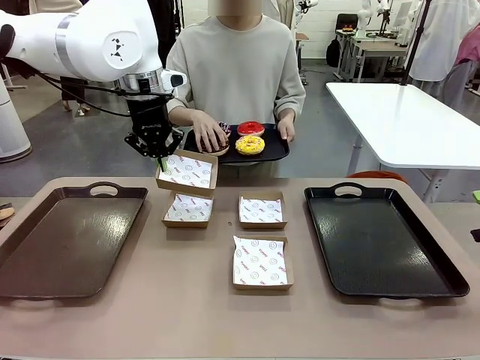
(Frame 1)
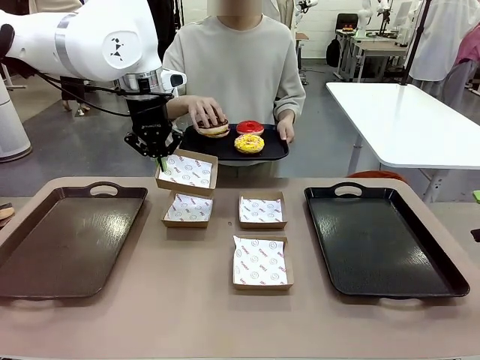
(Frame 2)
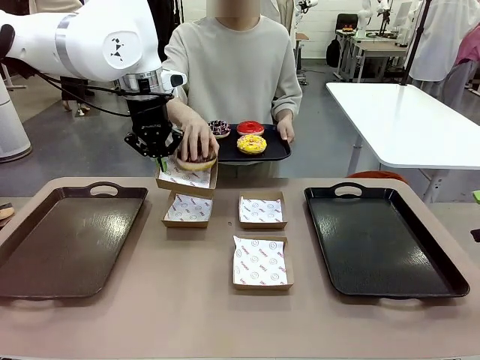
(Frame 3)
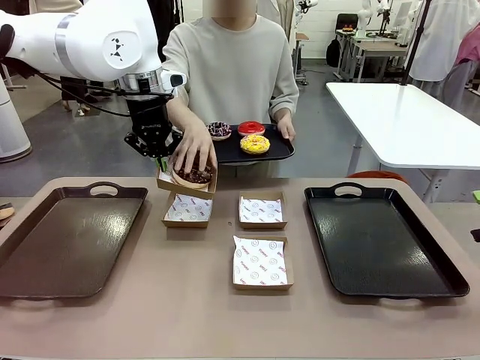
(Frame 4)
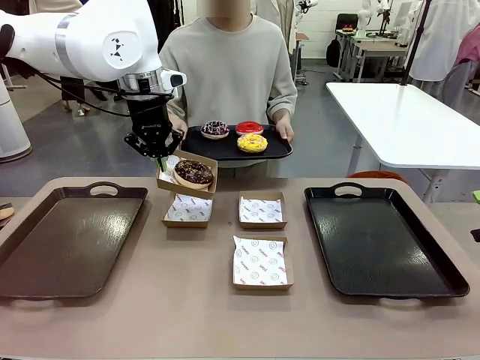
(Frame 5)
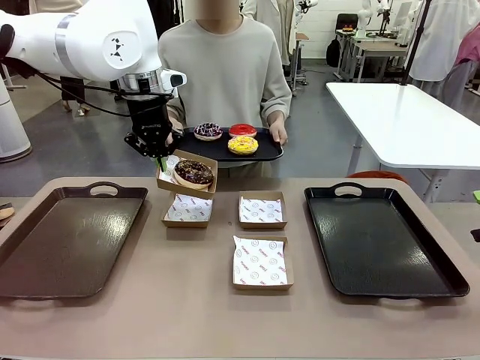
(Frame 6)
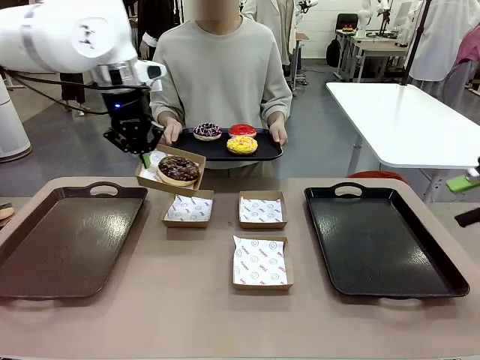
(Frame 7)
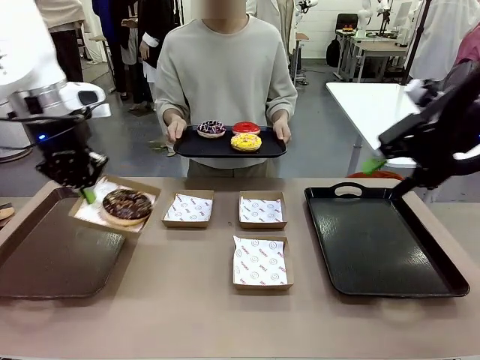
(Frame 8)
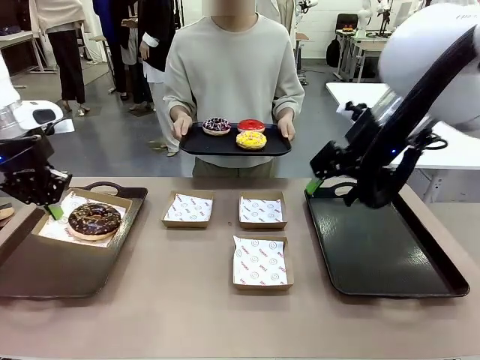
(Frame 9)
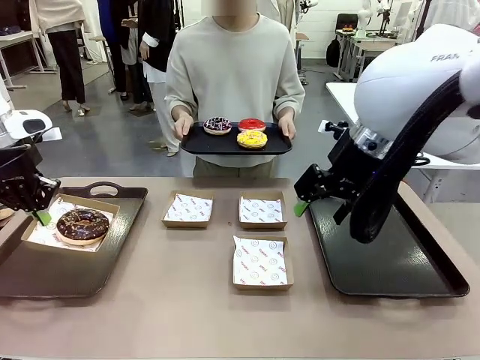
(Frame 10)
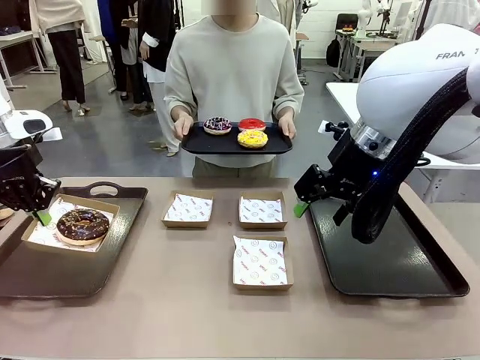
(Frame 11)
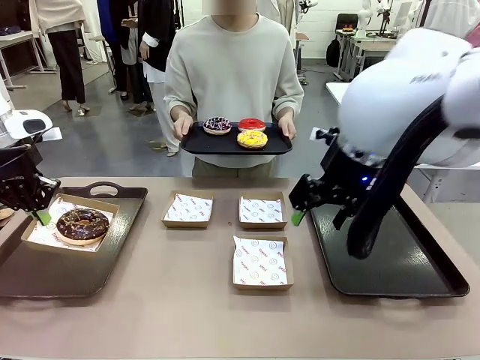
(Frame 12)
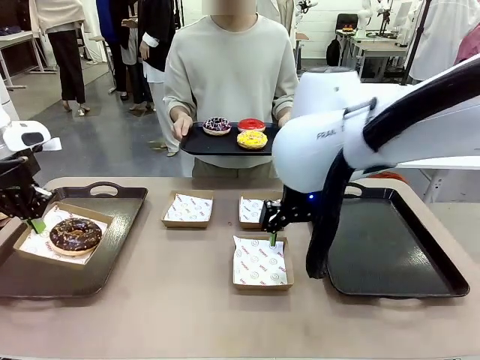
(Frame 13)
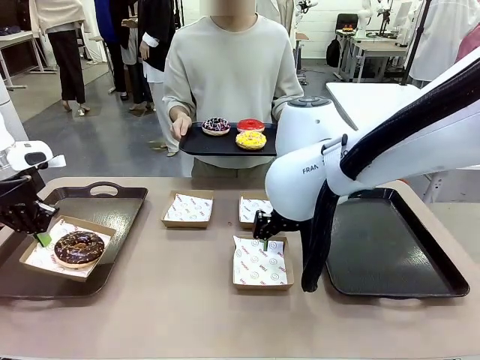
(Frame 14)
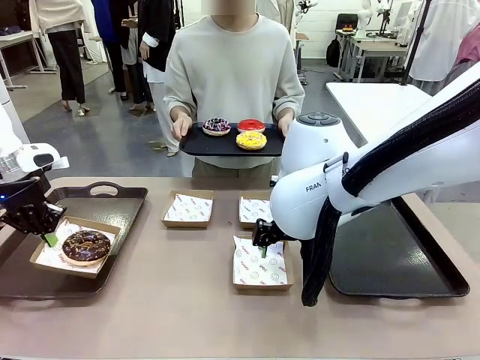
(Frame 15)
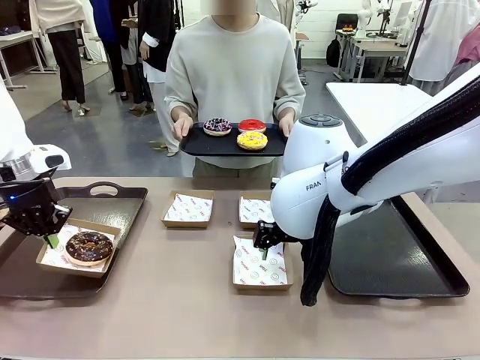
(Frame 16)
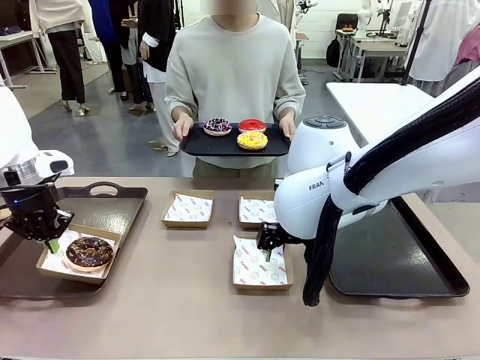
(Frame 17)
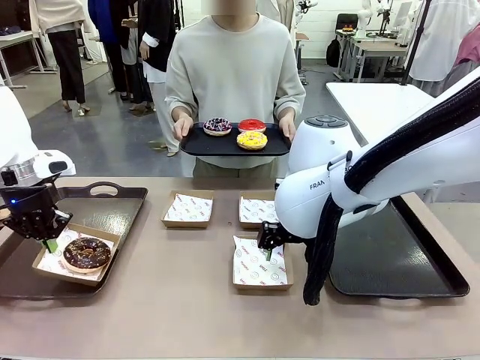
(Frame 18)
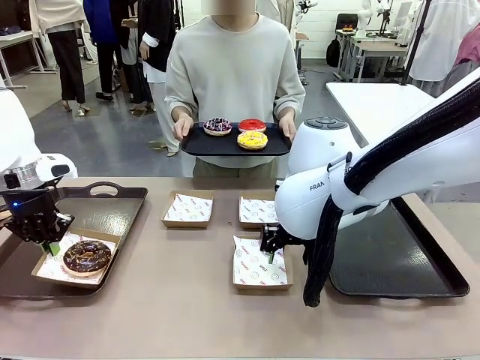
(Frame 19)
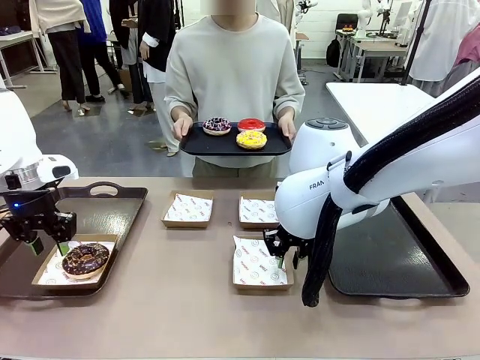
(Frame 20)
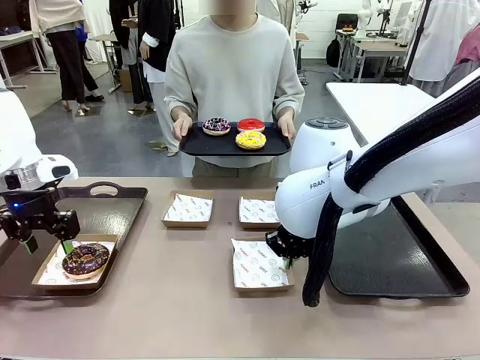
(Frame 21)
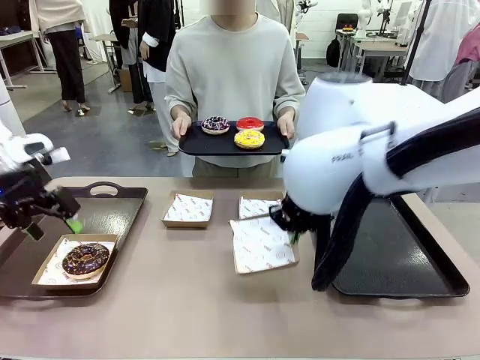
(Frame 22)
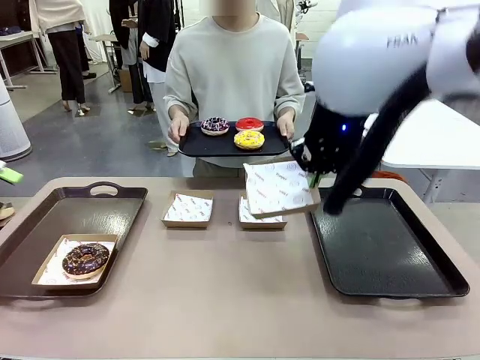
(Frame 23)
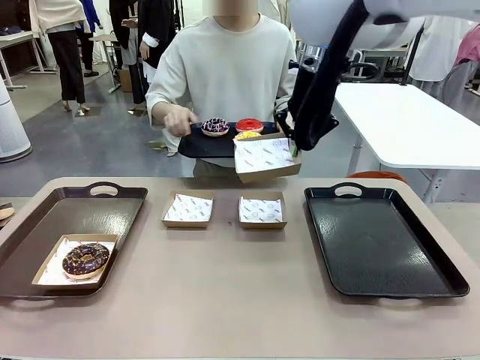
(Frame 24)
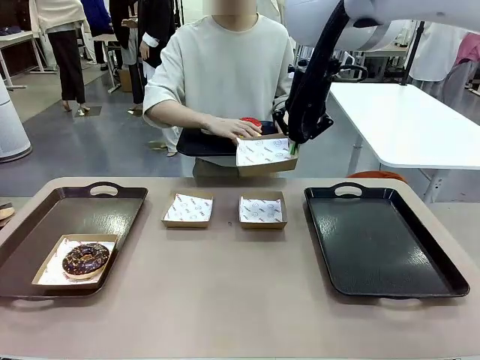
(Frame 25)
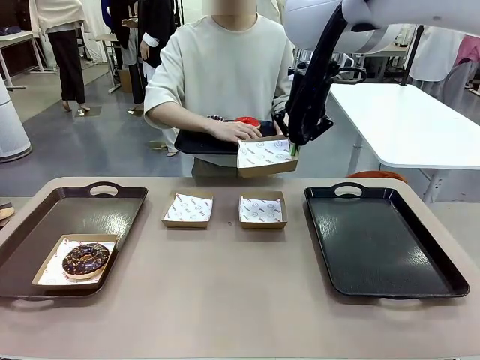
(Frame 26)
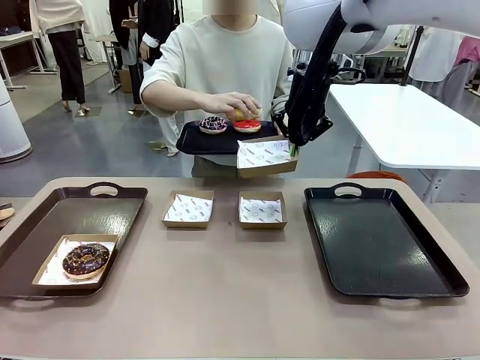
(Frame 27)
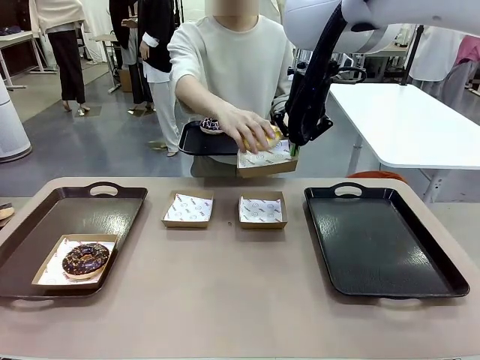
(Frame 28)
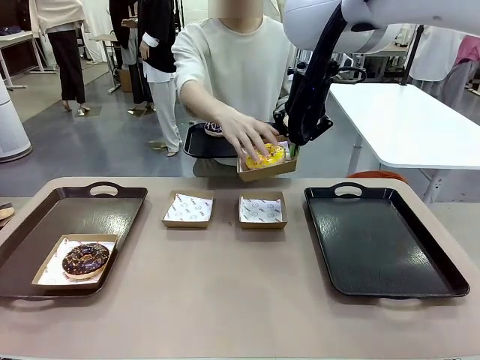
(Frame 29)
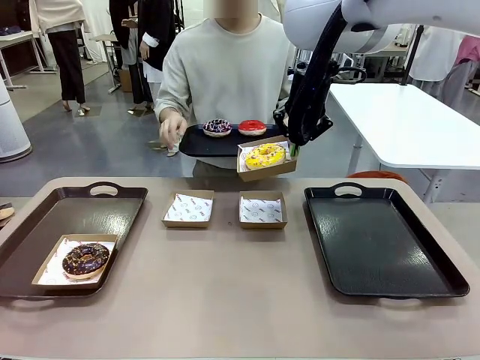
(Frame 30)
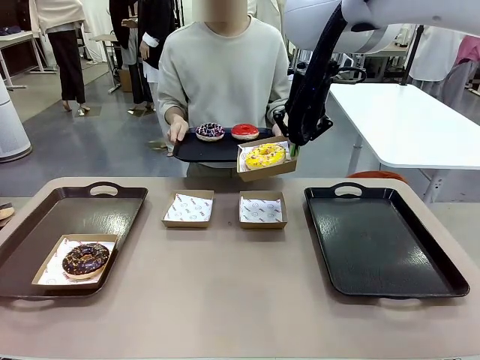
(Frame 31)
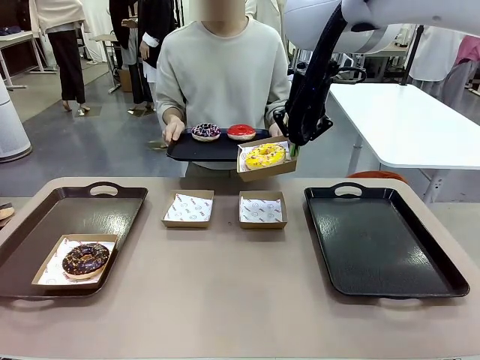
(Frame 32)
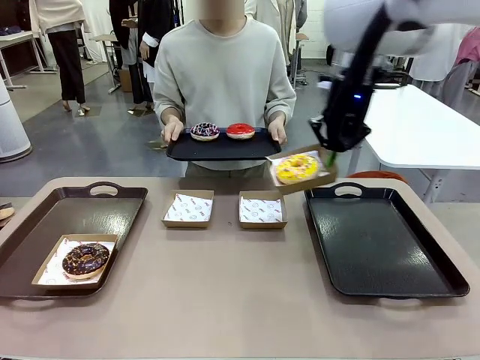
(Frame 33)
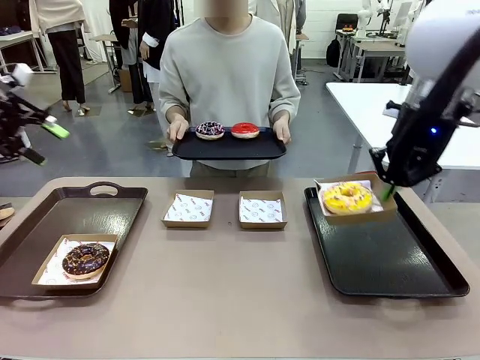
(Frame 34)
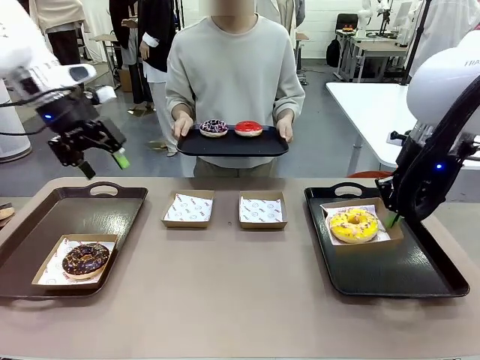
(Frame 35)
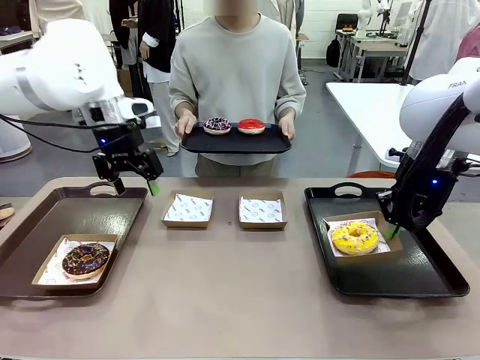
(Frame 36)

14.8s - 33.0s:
Task: Individually package the donuts and arrange them on the tray.
Robot: Place the picked Paper togo box on the Handle tray while simultaneously picking up another Paper togo box from the table with the other hand.

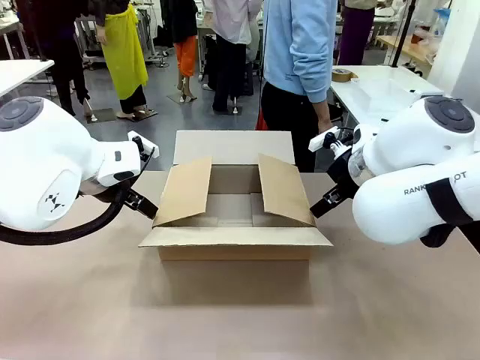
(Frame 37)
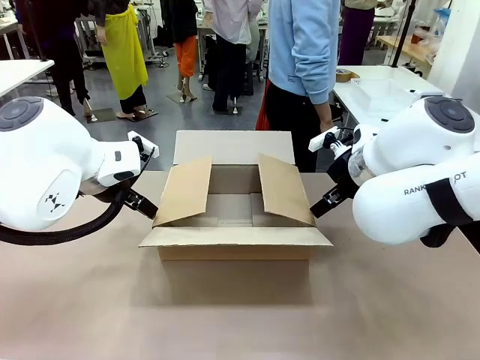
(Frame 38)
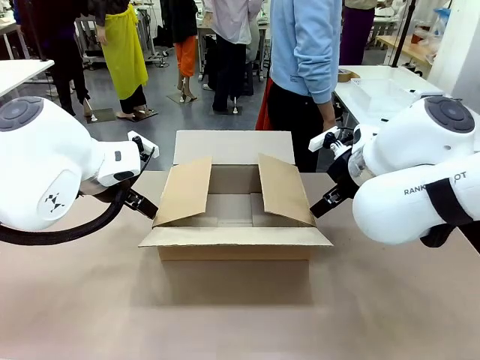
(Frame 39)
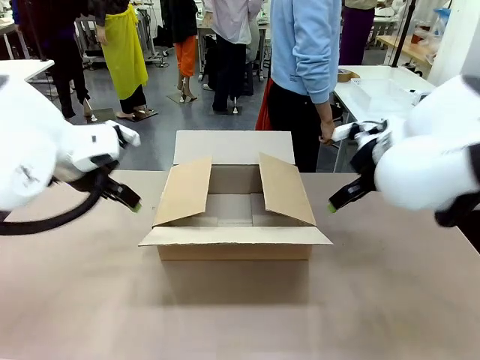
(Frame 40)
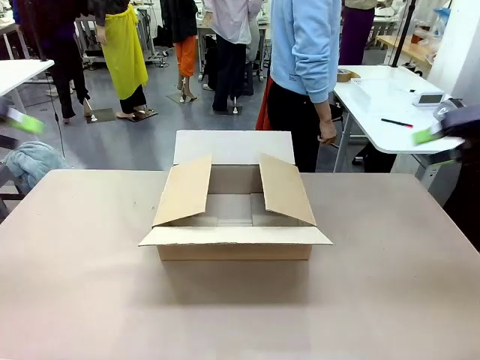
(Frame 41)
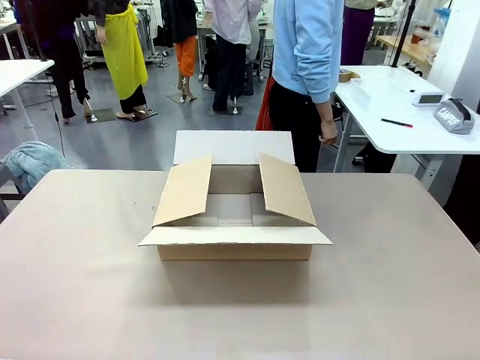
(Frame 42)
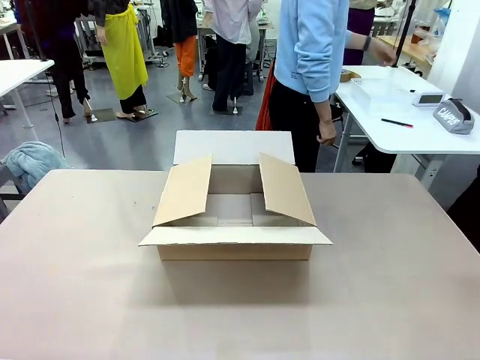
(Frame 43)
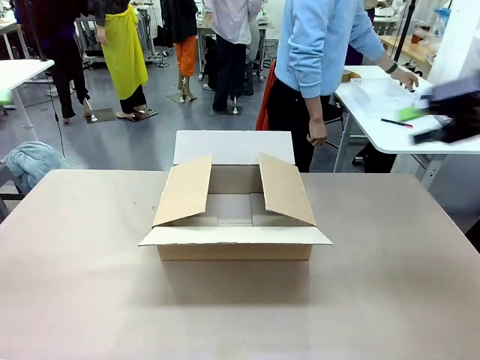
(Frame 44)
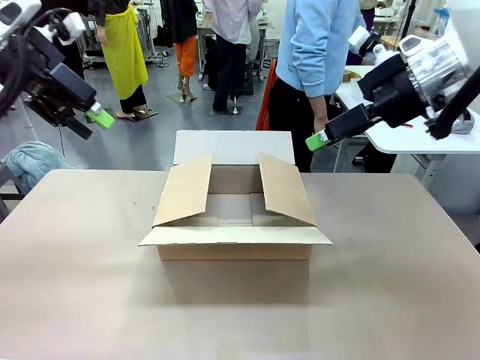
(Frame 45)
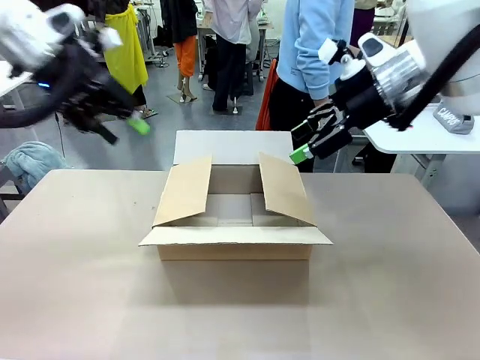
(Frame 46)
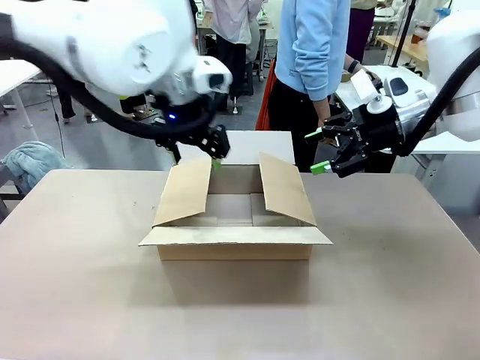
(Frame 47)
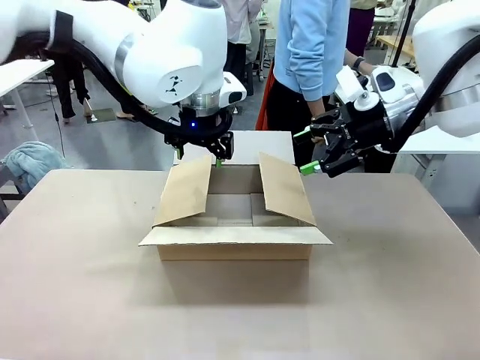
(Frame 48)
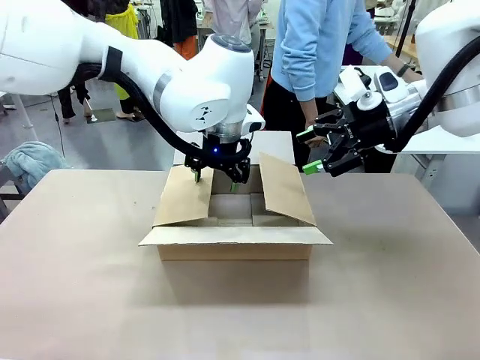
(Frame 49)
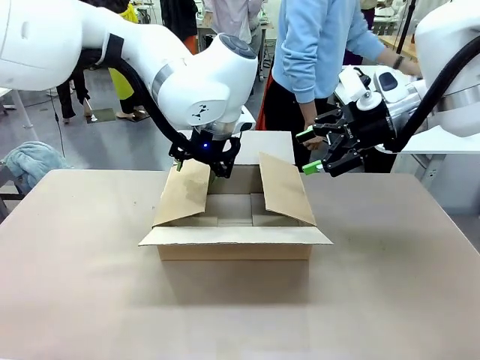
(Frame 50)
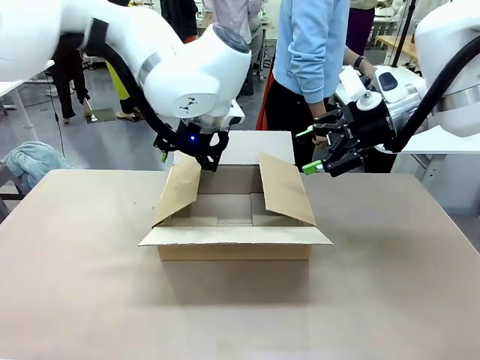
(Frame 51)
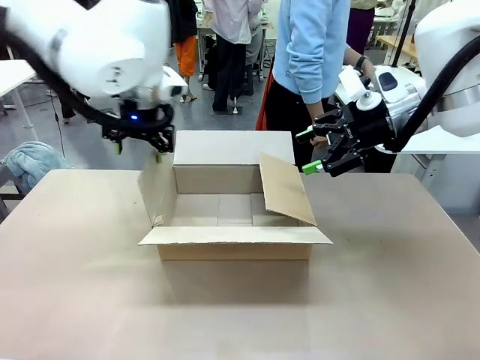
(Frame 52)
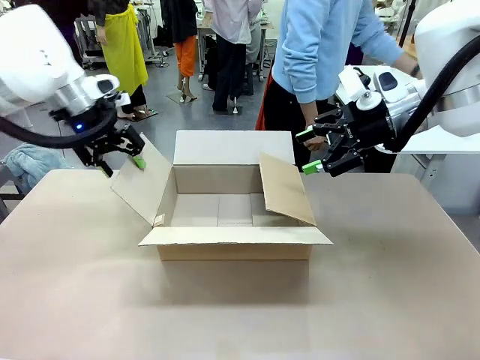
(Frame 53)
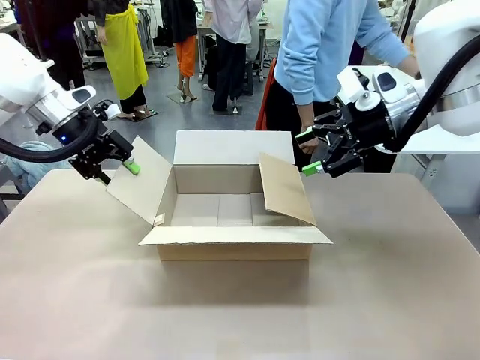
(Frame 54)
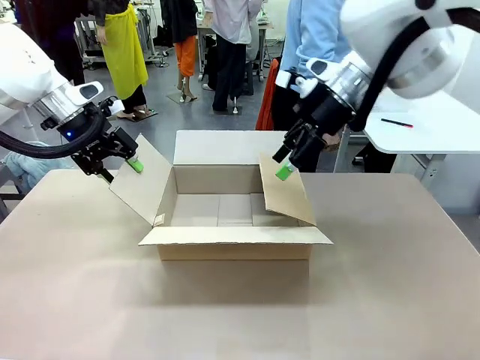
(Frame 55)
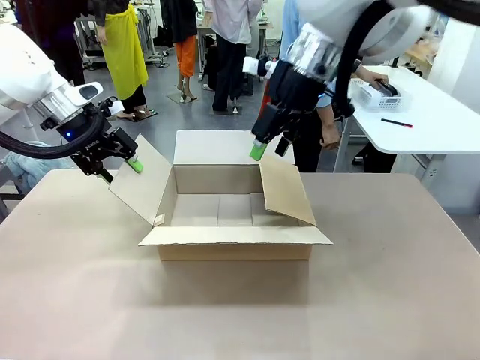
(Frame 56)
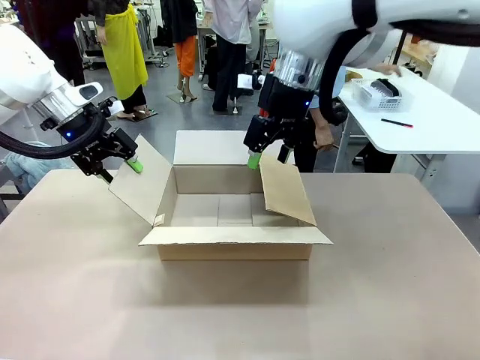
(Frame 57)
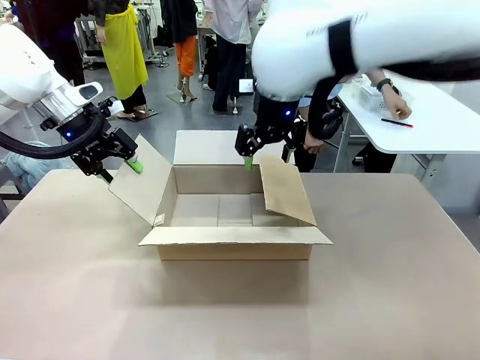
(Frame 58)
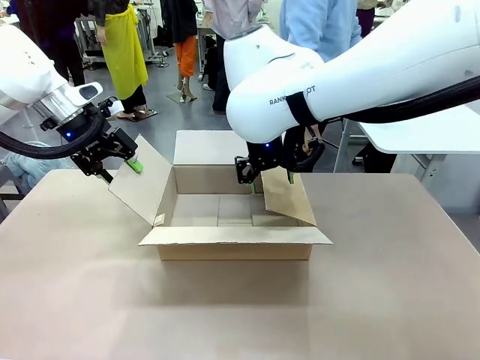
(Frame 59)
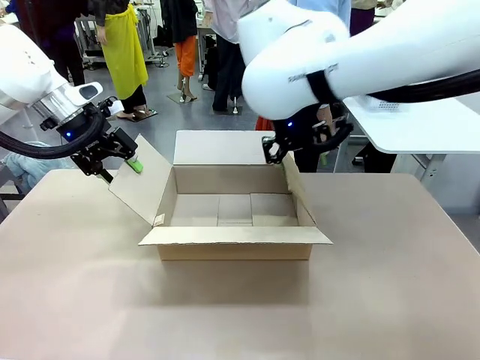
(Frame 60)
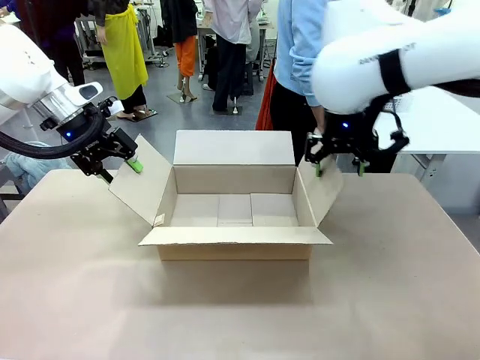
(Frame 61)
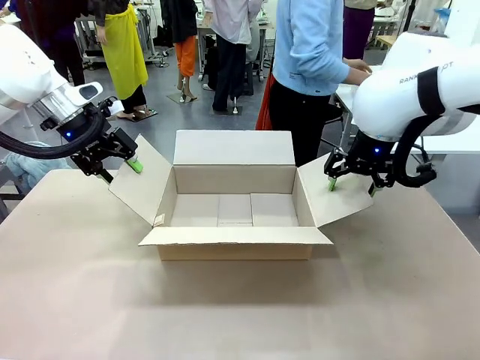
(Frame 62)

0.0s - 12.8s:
Task: Pack the gift set into the box.
Robot: Place both hands on the side flaps of the Package Box and spread them outward.
Person: The human places all items except the paper tape into the organizing basket.
